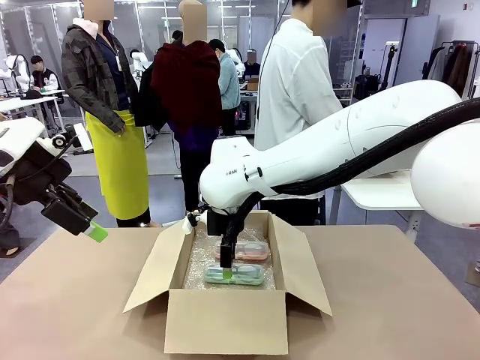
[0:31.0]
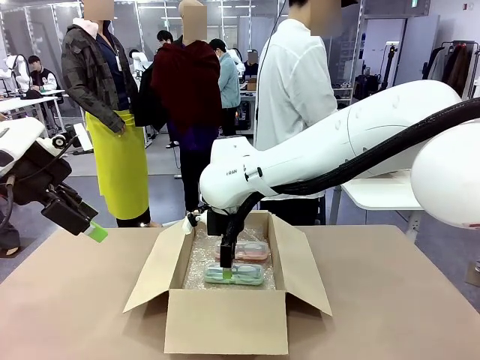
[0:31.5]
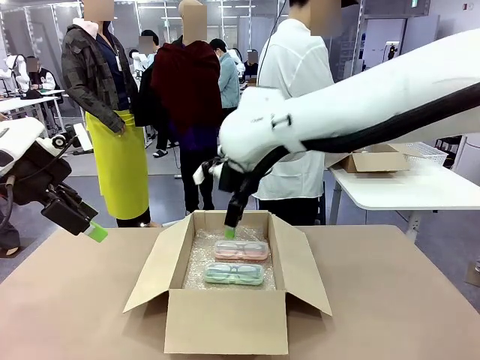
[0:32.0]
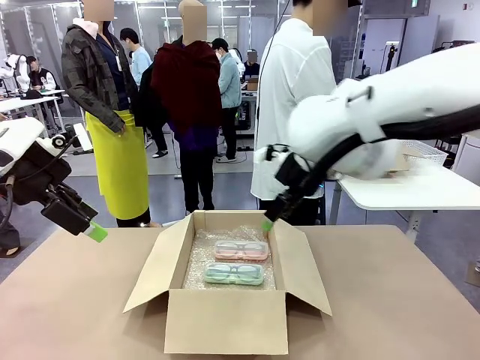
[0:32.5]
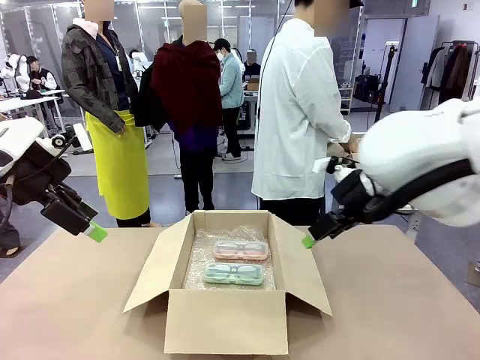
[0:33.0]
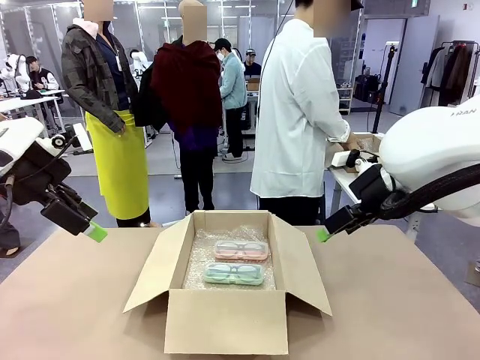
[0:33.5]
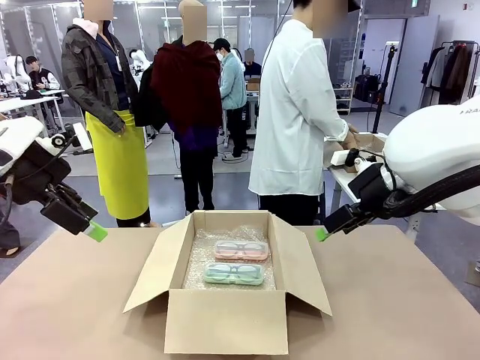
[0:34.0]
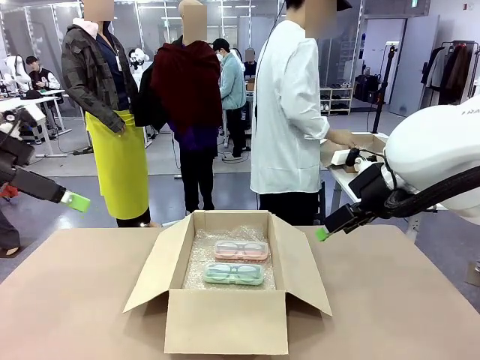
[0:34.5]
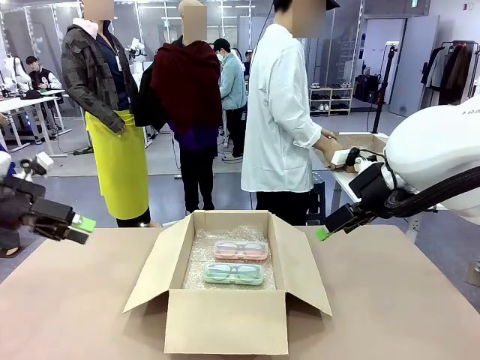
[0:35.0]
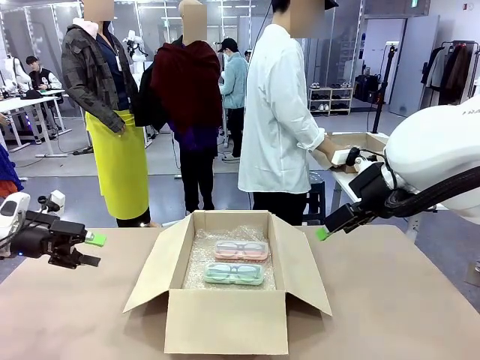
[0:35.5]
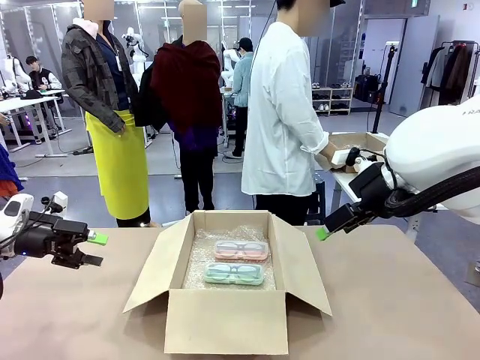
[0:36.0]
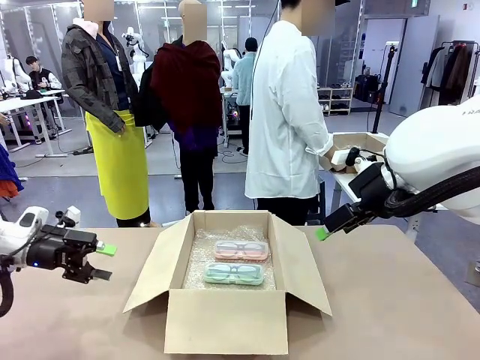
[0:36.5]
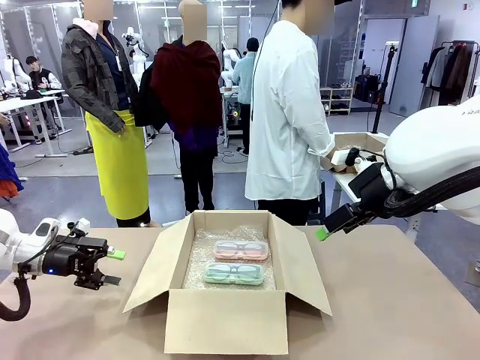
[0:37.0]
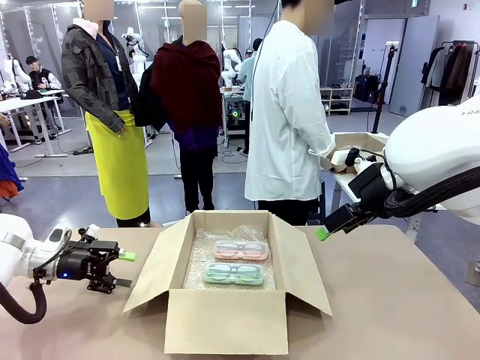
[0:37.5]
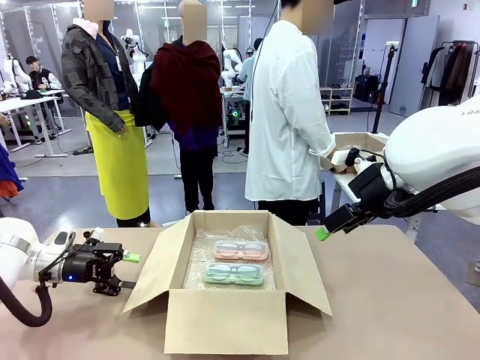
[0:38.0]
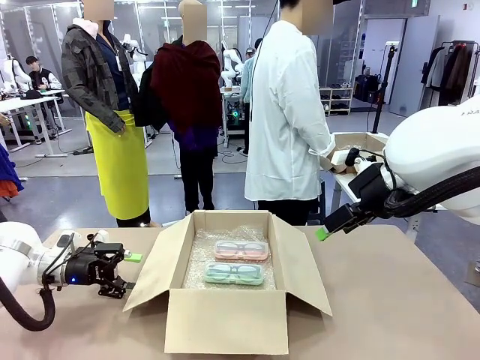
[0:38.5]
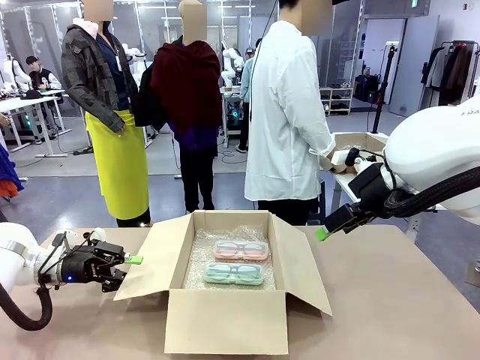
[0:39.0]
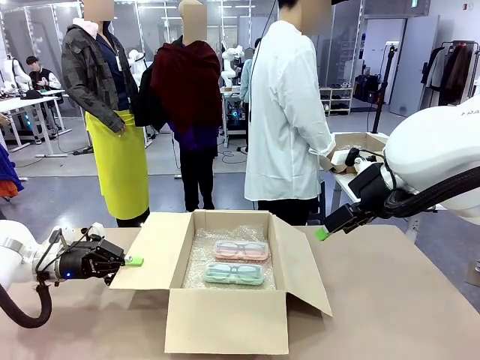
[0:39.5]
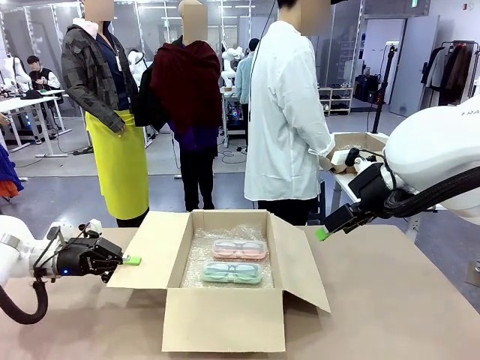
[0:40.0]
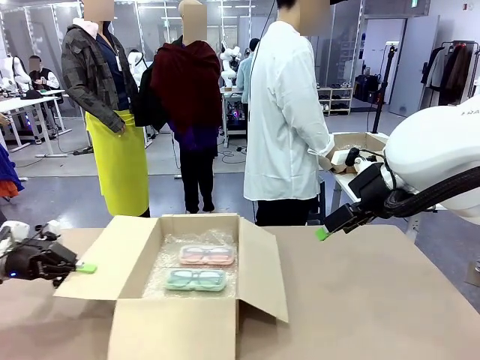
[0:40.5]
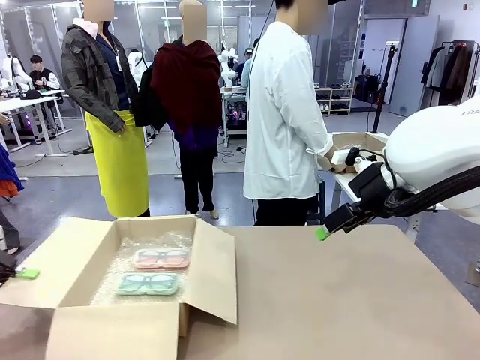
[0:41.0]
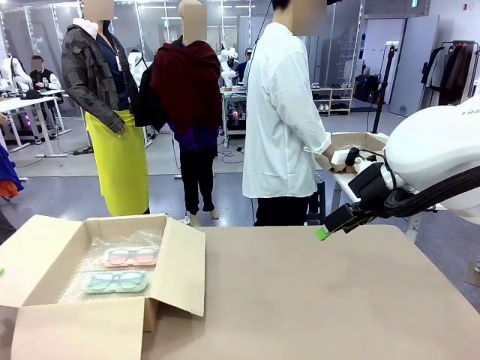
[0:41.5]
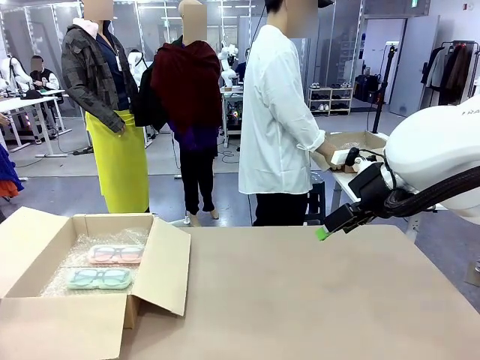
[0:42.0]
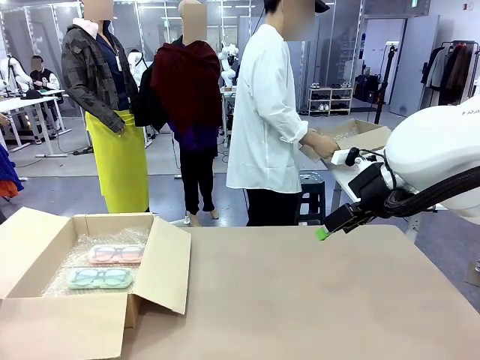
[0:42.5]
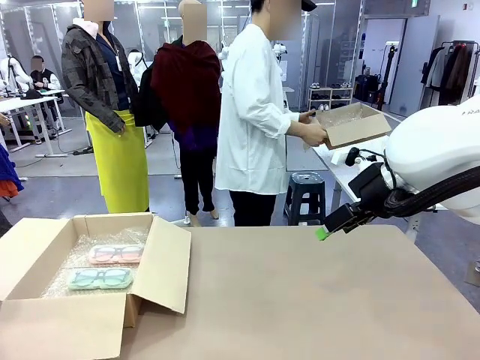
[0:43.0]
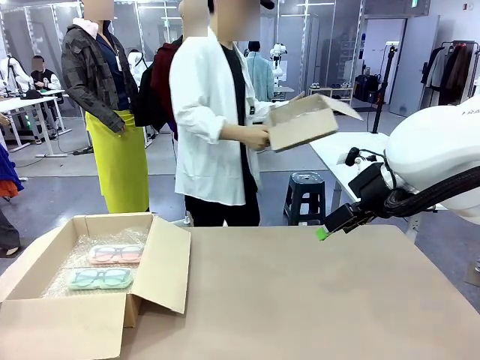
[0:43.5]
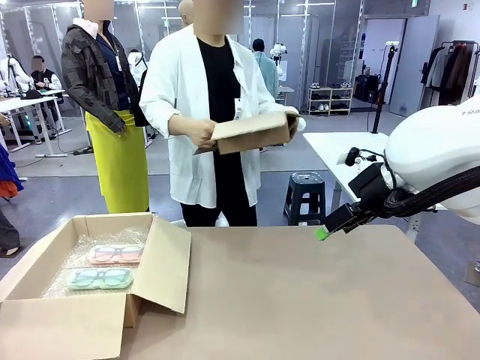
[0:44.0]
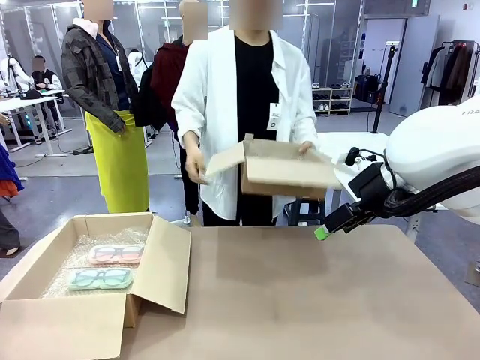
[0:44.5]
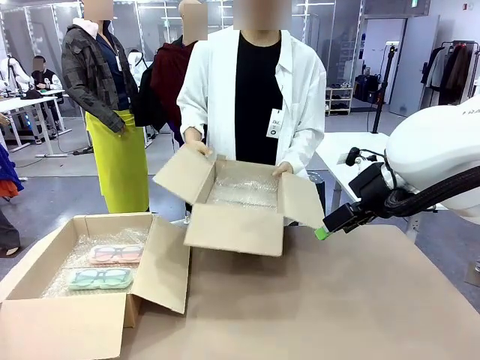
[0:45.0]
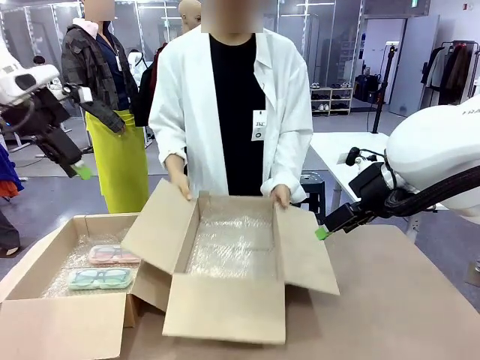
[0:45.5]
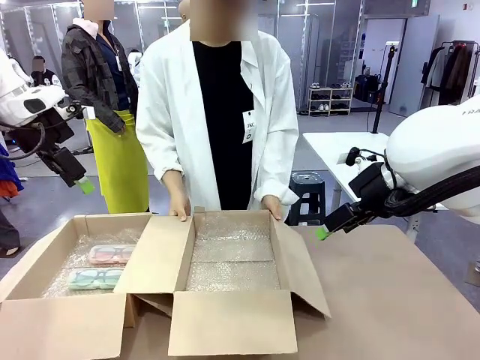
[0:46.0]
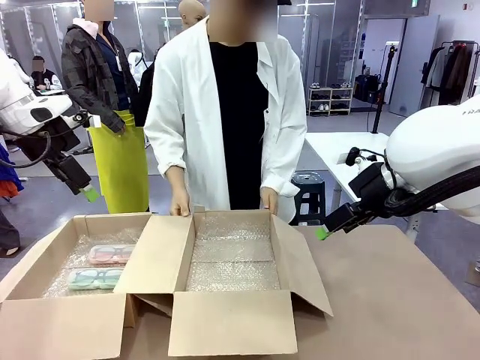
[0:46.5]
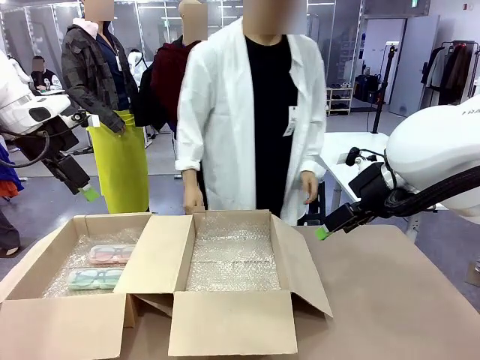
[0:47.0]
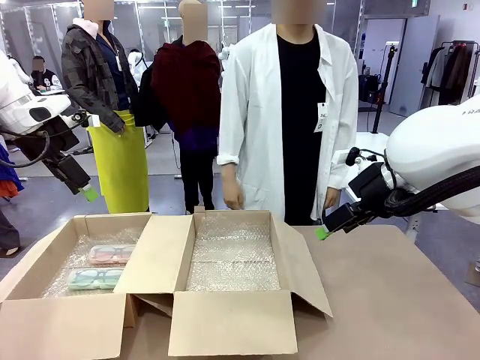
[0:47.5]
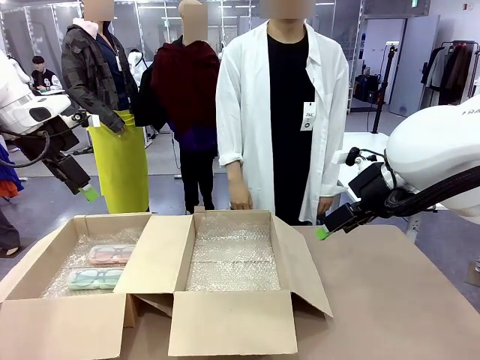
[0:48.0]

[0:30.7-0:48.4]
Task: Pack the glasses set securely to prepare it for shipping.
Robot: Position the Package Box on the left side of the table.
Person: Position the empty Package Box in the middle of the robot's table.

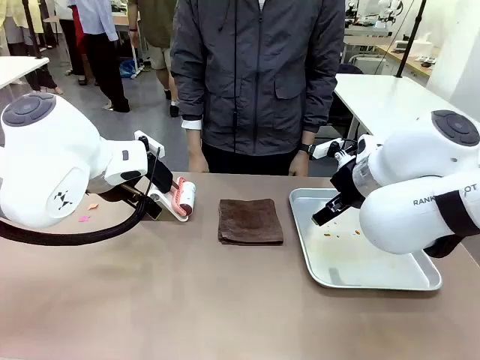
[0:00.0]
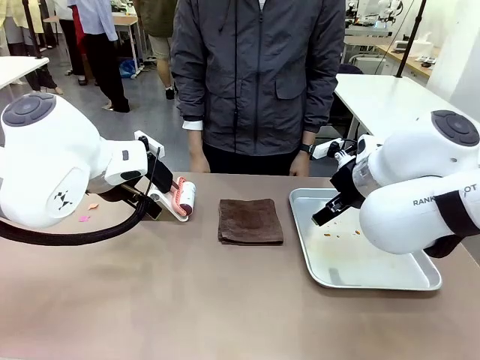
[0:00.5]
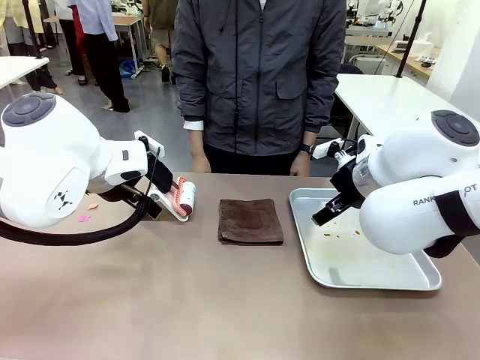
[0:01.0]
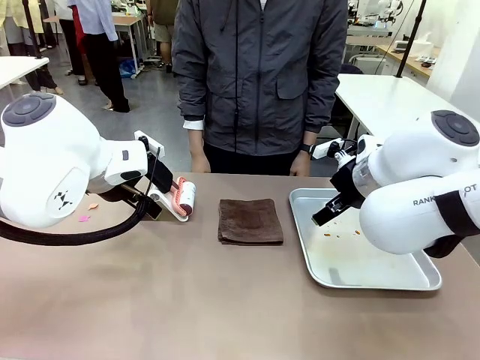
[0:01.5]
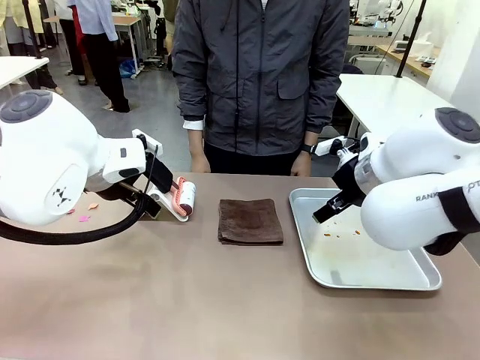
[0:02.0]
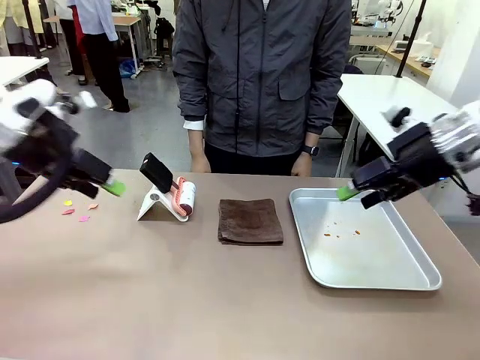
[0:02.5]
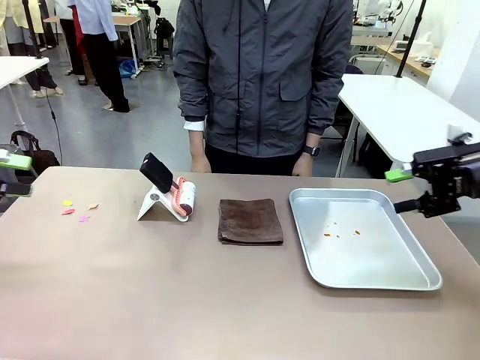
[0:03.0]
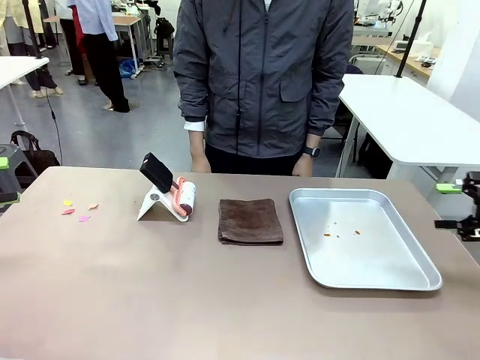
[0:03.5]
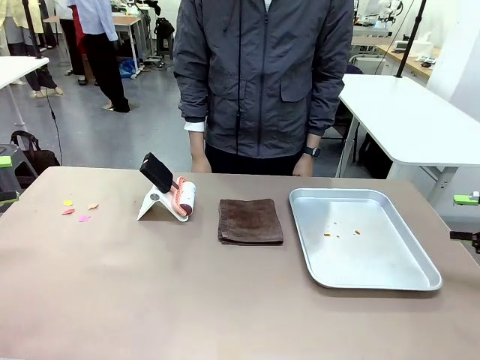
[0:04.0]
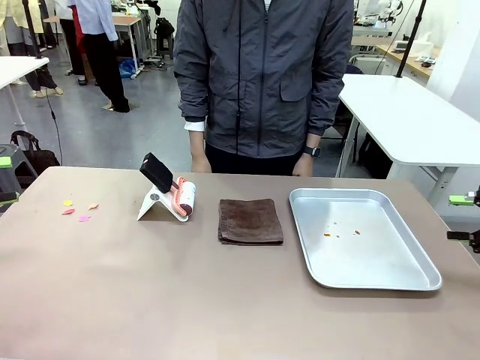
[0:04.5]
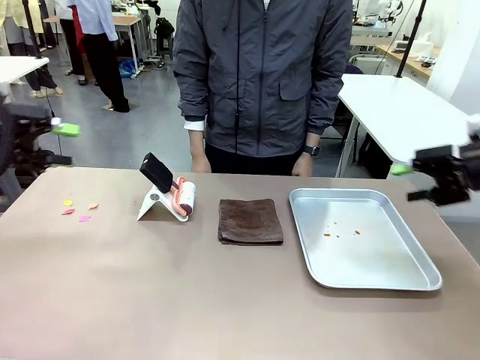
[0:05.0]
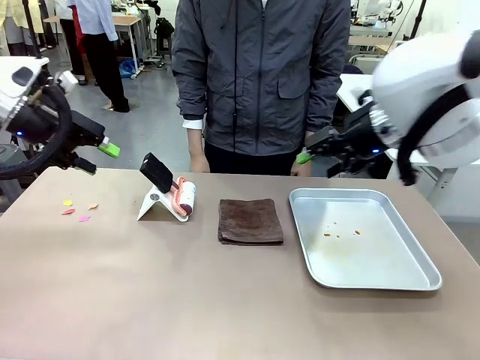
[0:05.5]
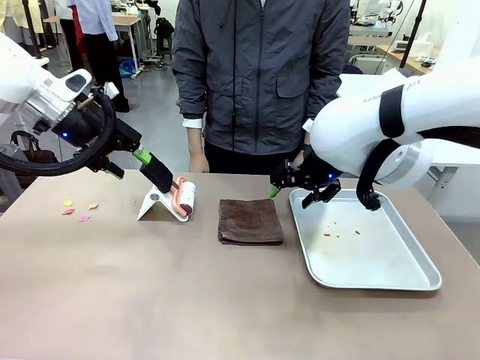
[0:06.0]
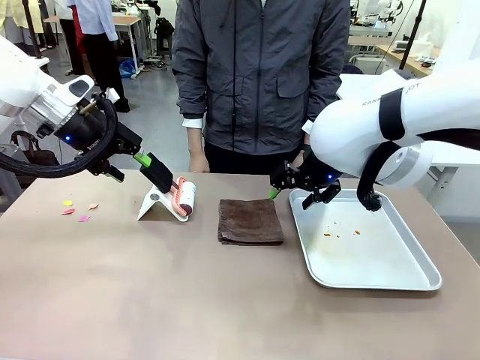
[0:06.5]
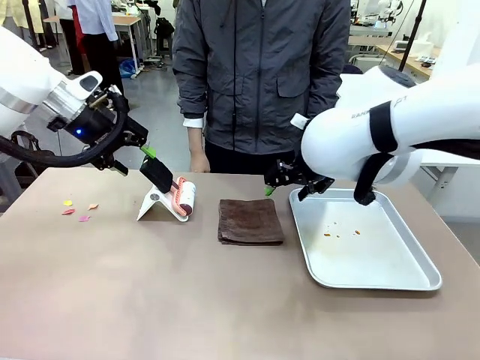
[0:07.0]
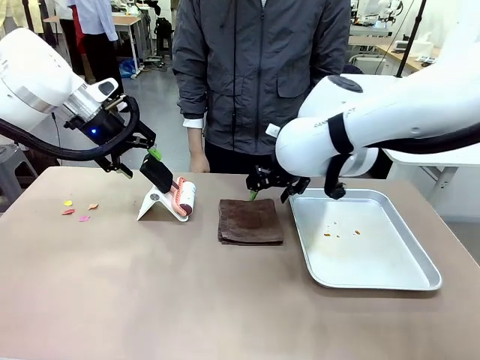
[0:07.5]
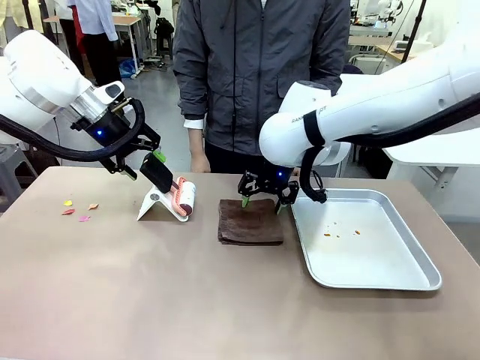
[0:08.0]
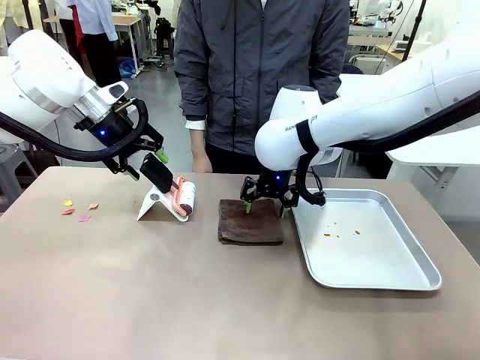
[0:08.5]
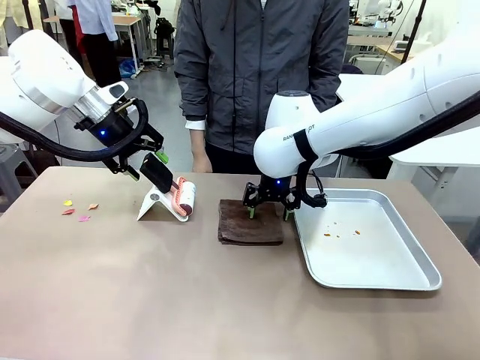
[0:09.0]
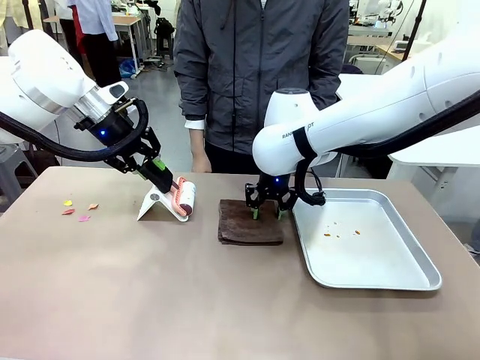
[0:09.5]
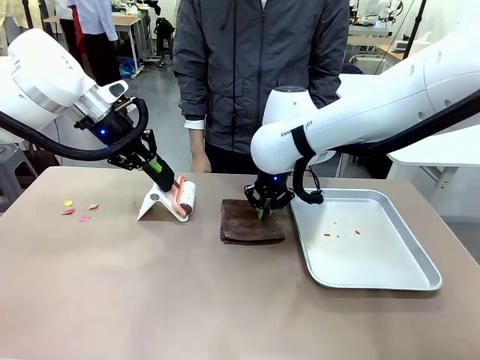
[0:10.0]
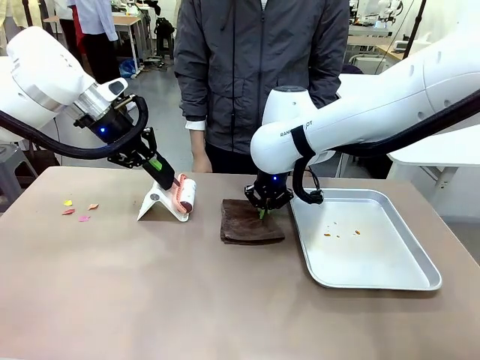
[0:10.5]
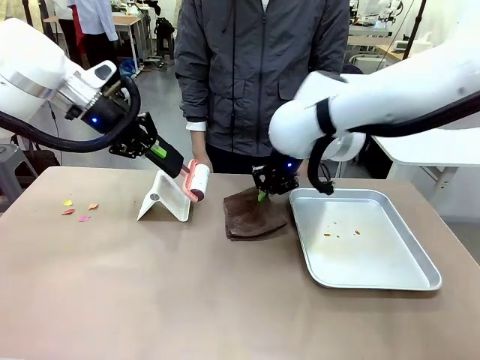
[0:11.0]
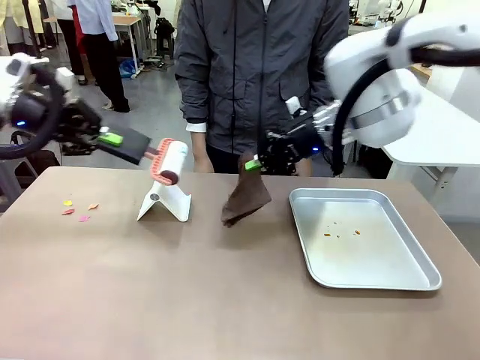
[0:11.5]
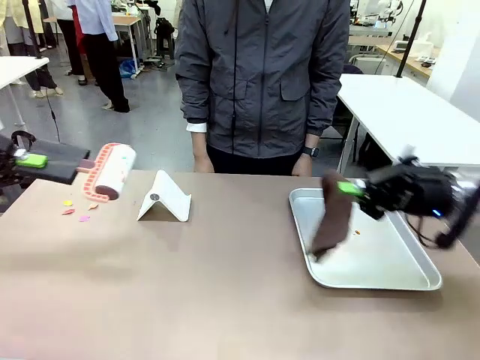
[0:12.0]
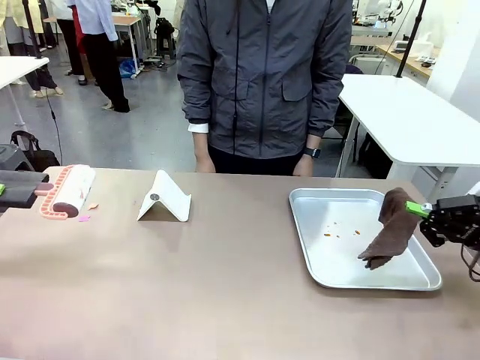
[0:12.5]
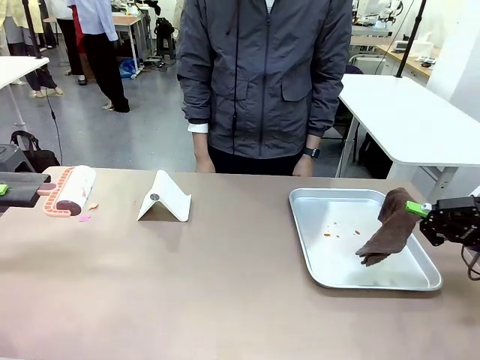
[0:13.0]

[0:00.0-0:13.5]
Task: Clean the surface of the table.
Robot: Hold the Lint Roller with your left hand and the towel with your right hand.
